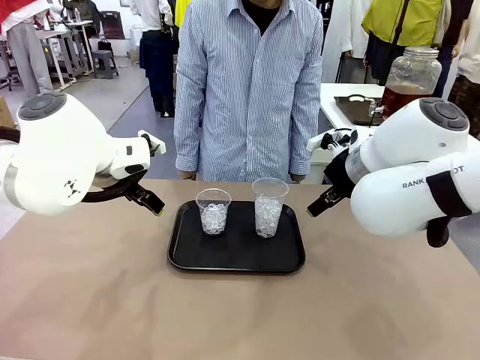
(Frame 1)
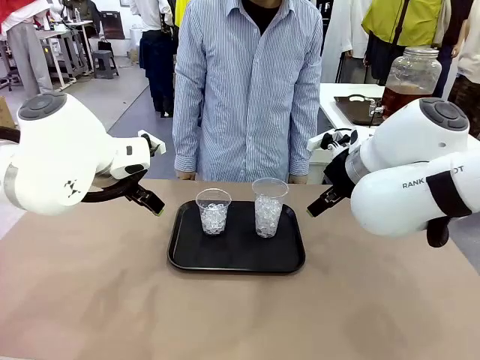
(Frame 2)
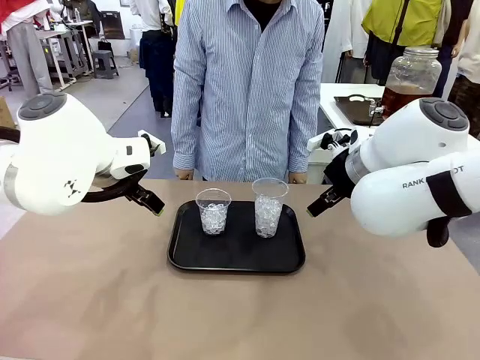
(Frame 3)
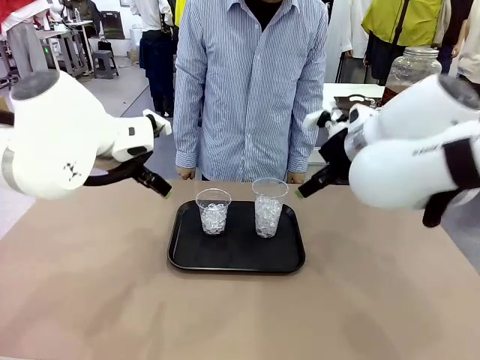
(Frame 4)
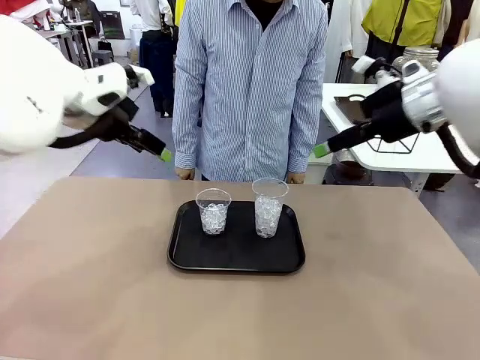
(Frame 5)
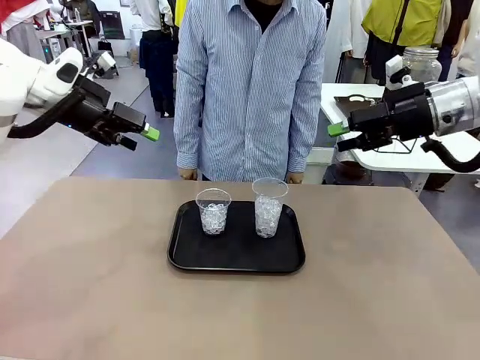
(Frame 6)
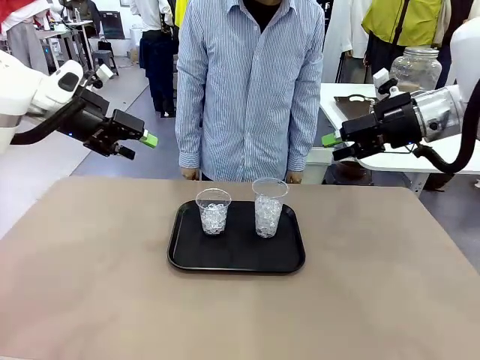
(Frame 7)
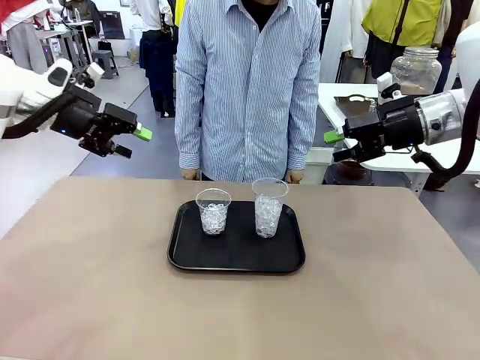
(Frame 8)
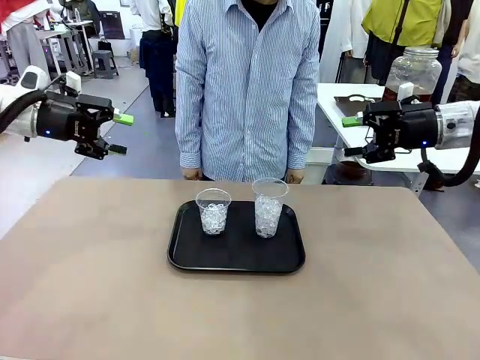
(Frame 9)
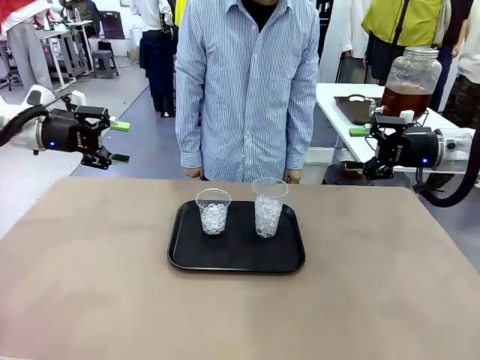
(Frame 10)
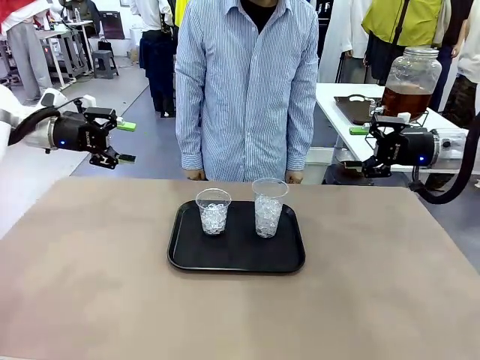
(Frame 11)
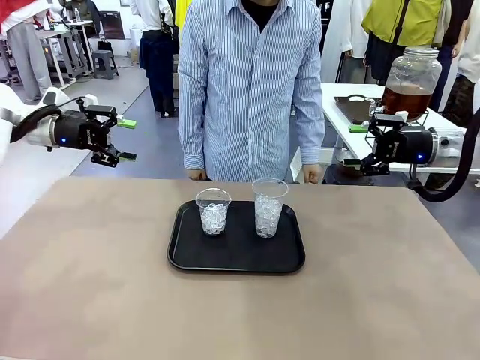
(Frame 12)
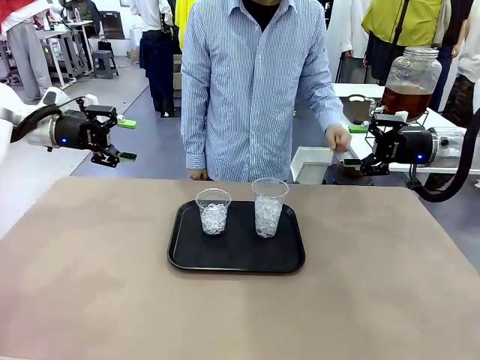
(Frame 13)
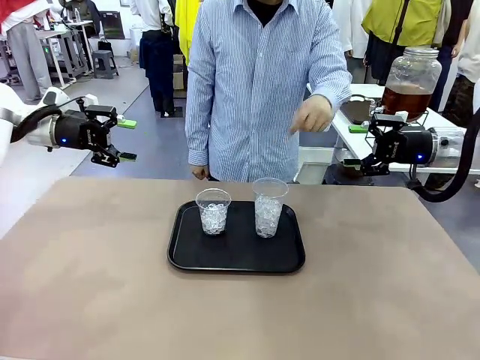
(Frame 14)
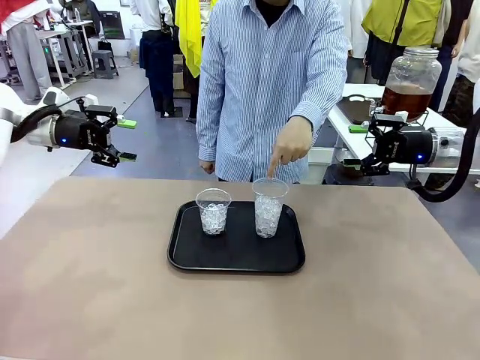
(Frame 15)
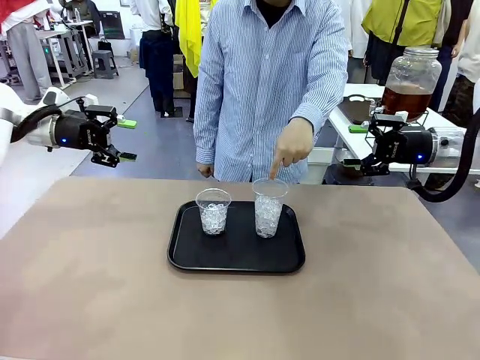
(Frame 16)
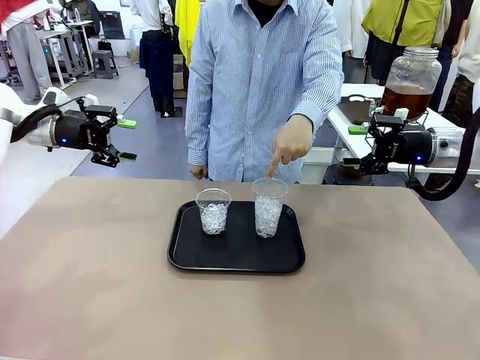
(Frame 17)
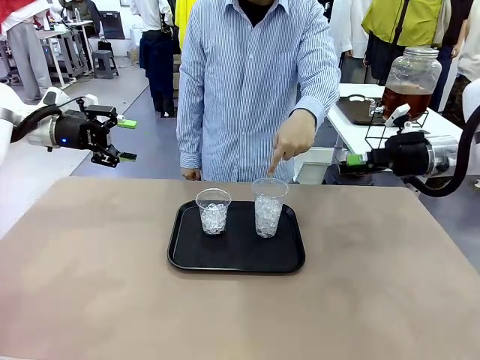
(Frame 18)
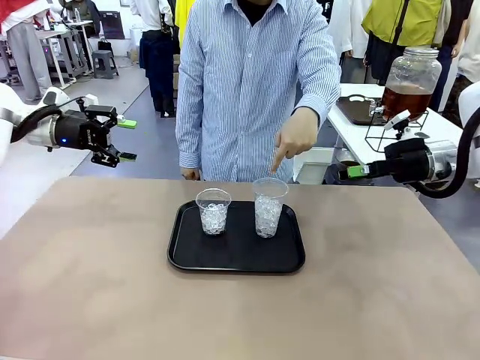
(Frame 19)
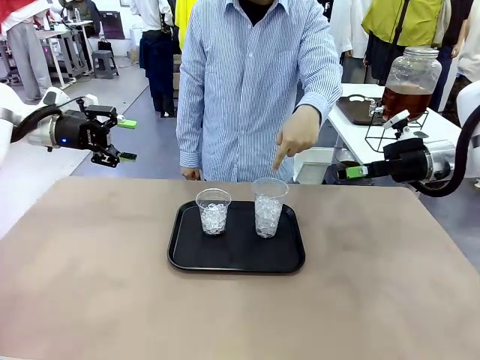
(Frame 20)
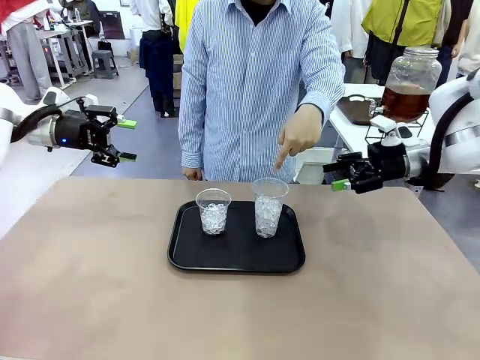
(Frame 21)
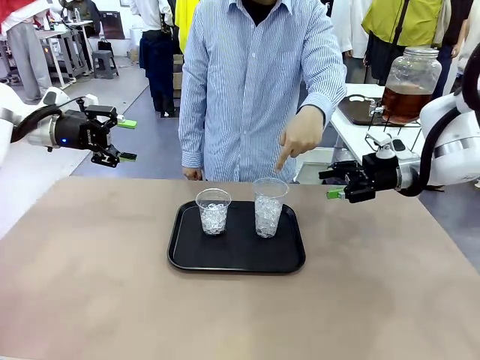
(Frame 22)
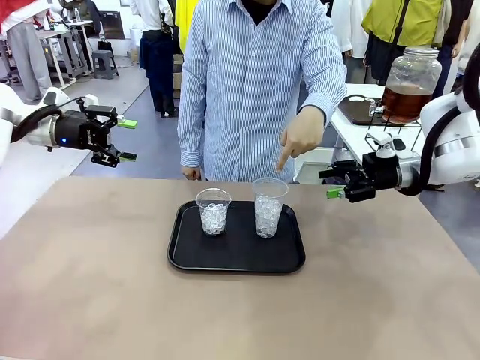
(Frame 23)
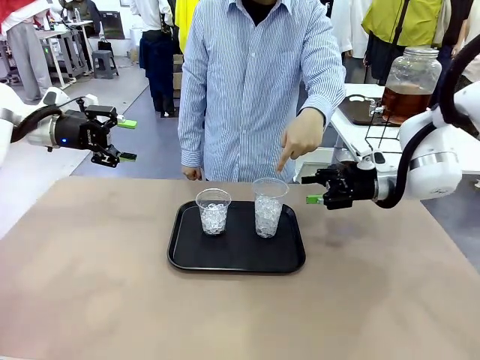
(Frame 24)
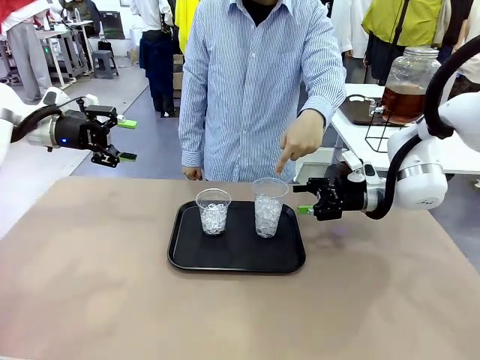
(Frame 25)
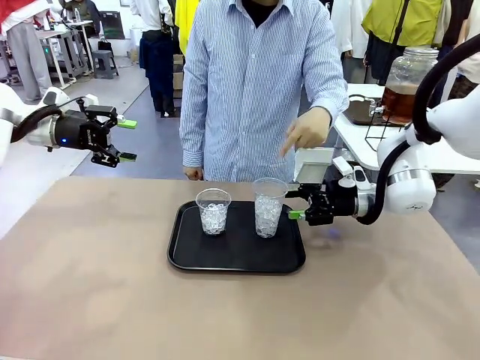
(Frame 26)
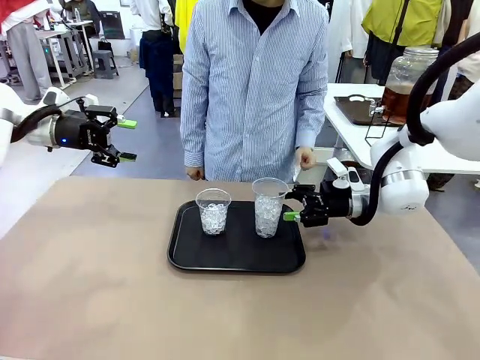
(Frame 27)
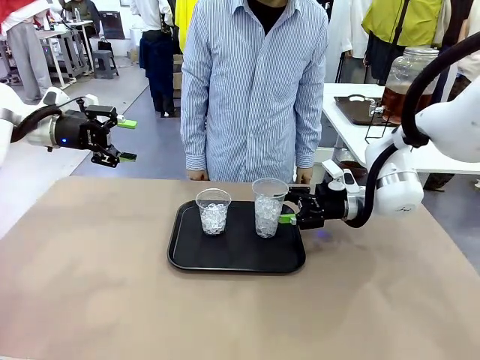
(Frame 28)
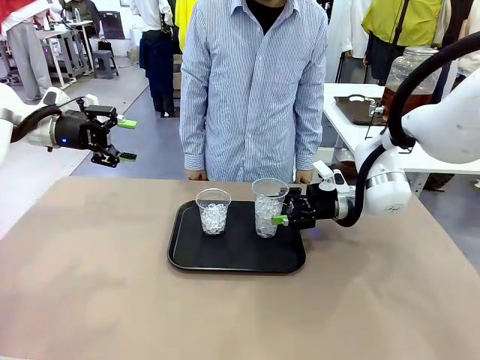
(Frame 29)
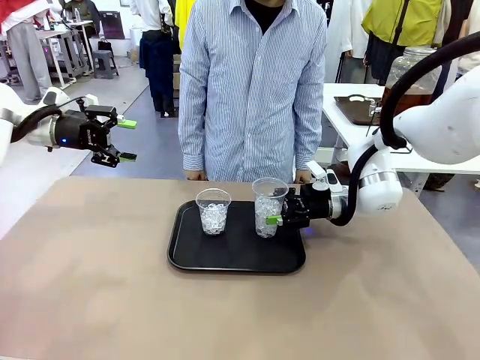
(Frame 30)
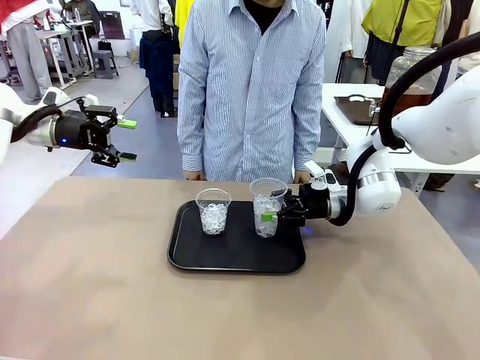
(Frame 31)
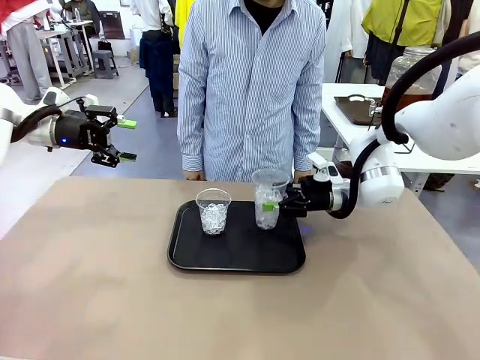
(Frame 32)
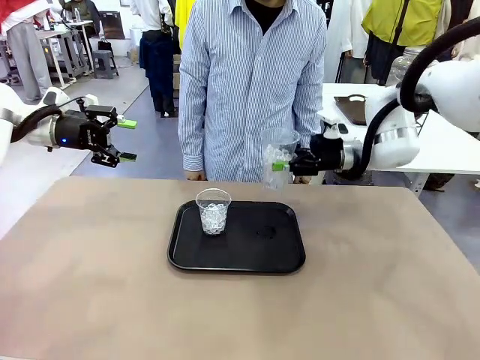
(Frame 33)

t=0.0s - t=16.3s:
Task: Pour the drink into the iced cup.
Robot: Pick up the iced cup indicated by the human and present it to them.
Person: Point to one of the two ice cups. Pick up the cup offered by the robot.

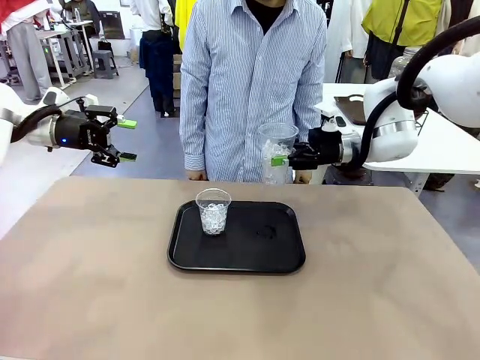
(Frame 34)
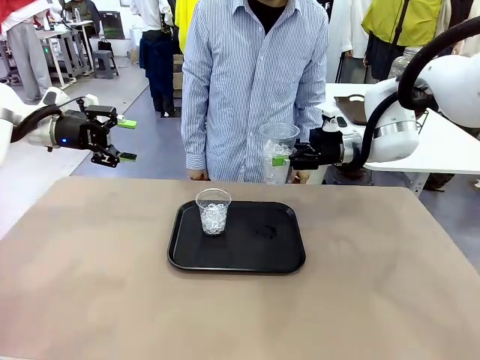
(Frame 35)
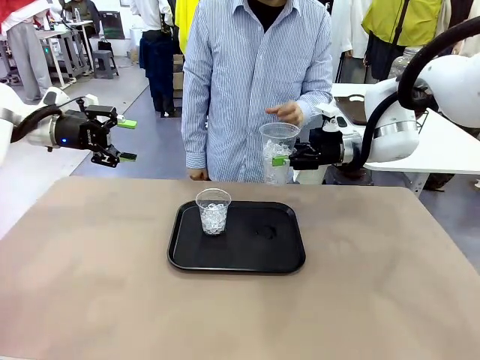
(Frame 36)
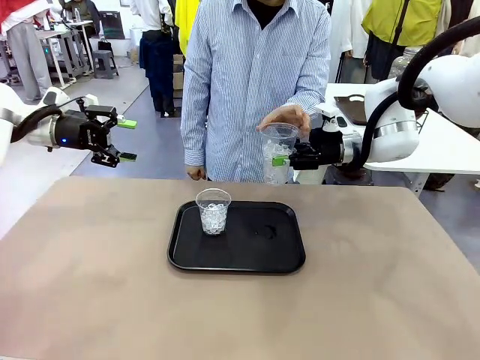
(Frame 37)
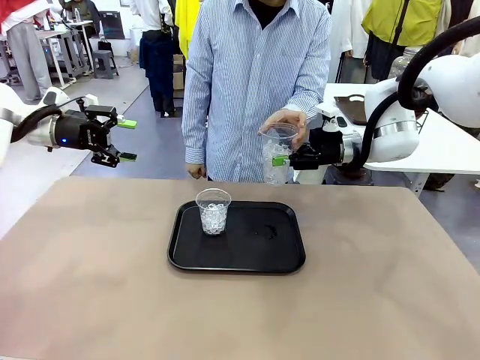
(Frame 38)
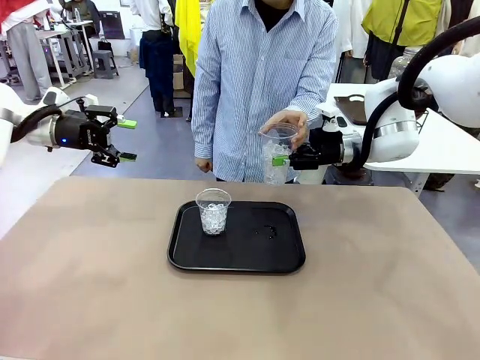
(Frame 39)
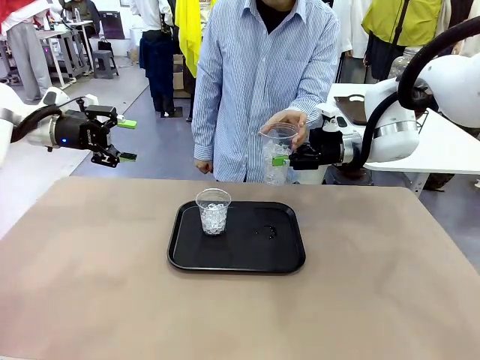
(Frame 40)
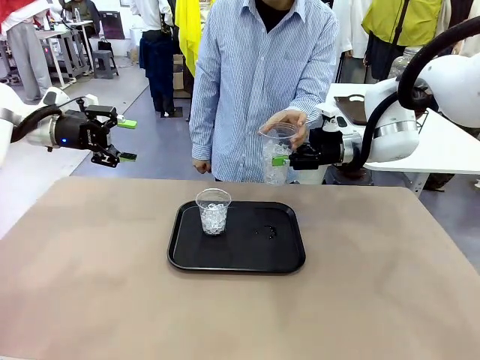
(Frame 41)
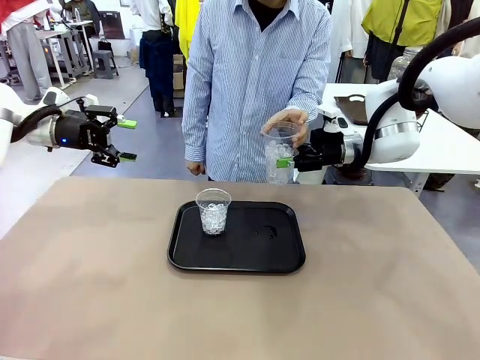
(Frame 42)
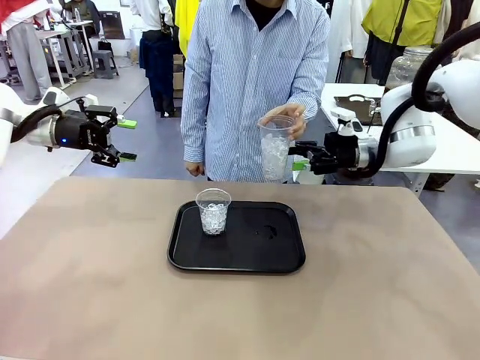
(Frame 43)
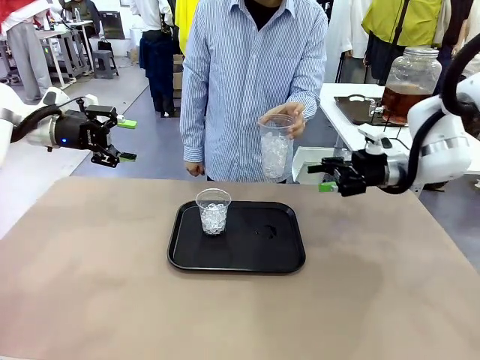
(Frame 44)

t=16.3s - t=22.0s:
Robot: Open the gripper to release the iced cup you were holding.
